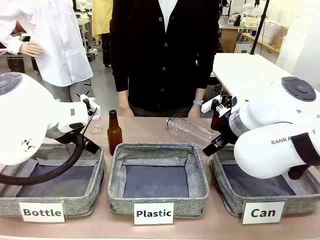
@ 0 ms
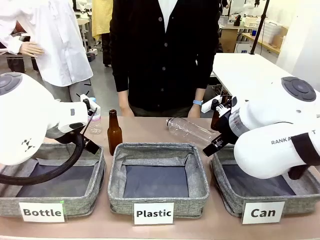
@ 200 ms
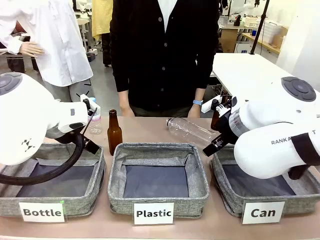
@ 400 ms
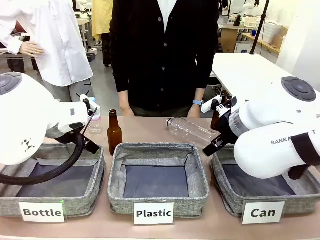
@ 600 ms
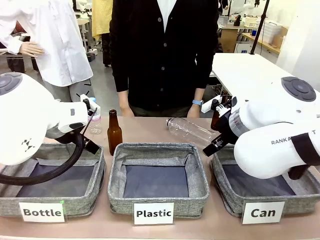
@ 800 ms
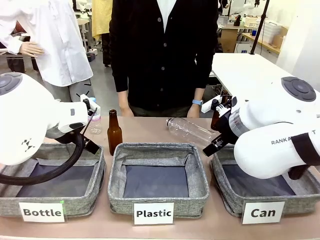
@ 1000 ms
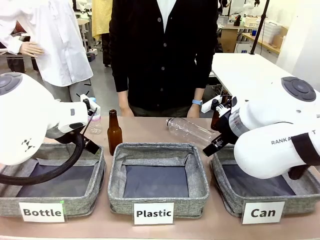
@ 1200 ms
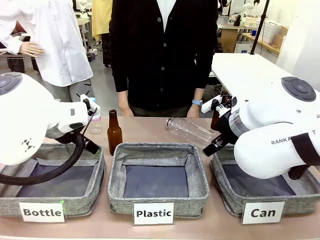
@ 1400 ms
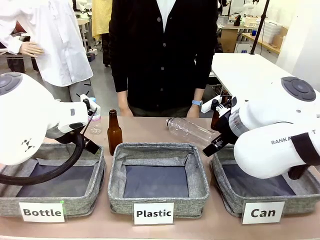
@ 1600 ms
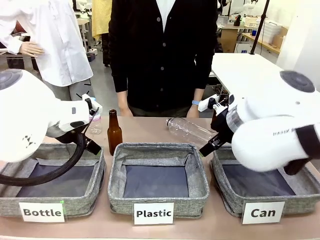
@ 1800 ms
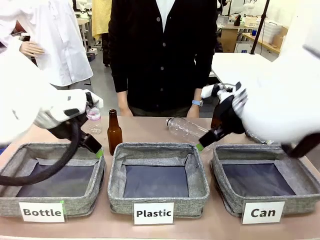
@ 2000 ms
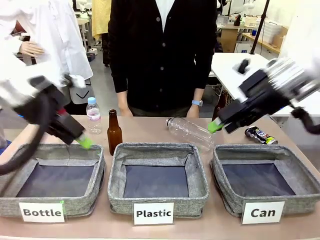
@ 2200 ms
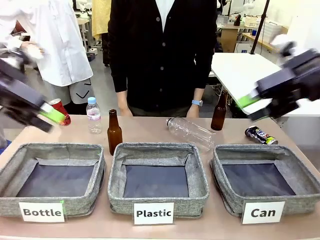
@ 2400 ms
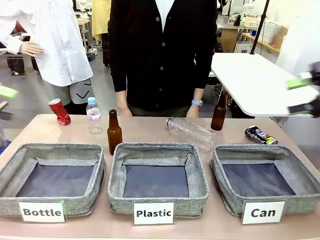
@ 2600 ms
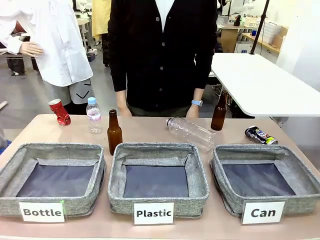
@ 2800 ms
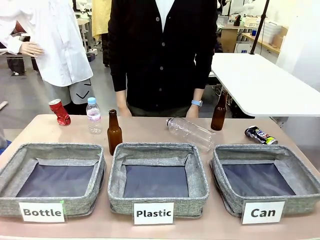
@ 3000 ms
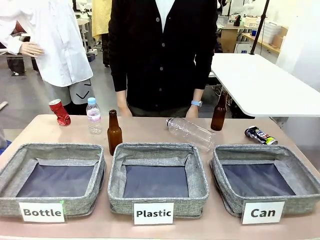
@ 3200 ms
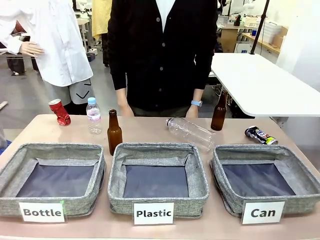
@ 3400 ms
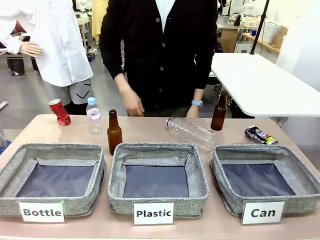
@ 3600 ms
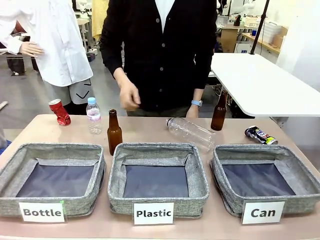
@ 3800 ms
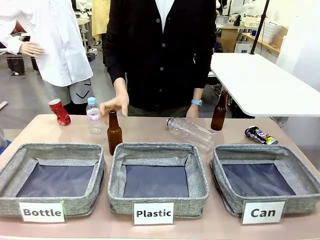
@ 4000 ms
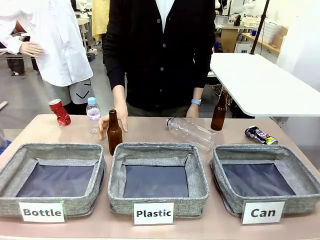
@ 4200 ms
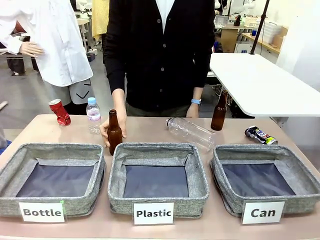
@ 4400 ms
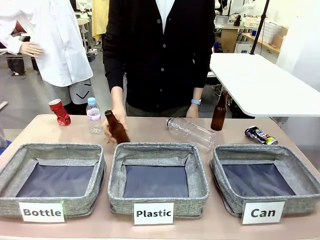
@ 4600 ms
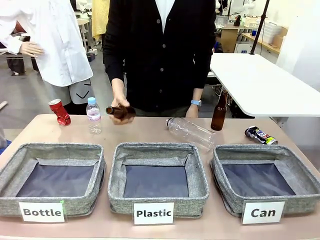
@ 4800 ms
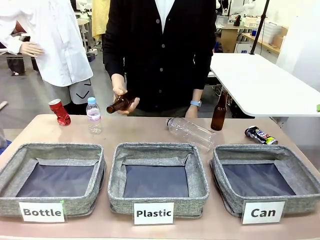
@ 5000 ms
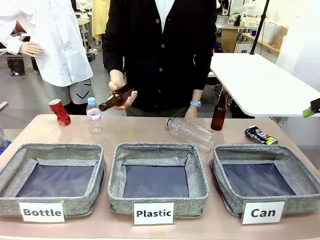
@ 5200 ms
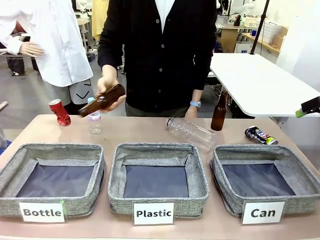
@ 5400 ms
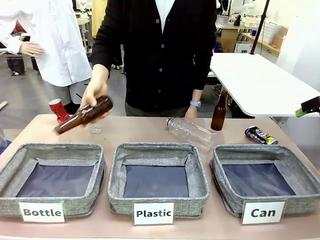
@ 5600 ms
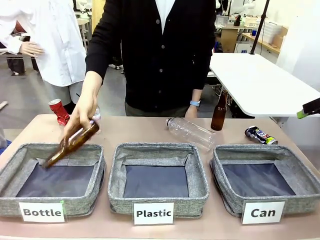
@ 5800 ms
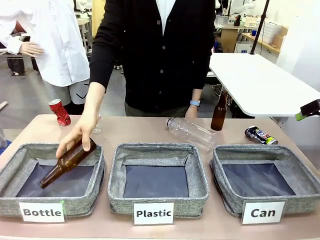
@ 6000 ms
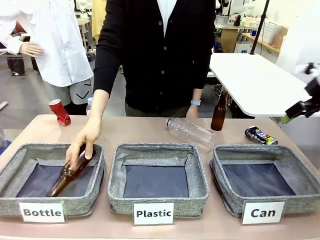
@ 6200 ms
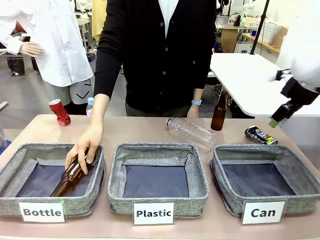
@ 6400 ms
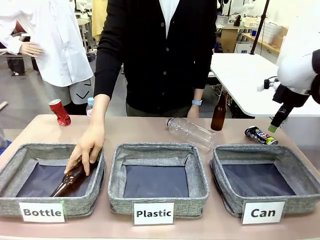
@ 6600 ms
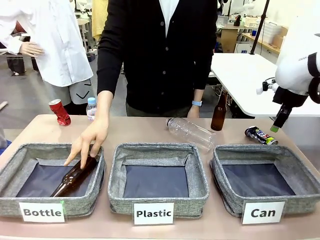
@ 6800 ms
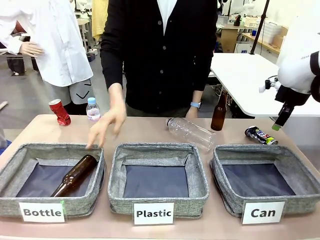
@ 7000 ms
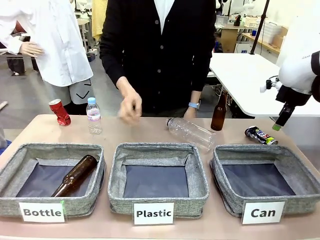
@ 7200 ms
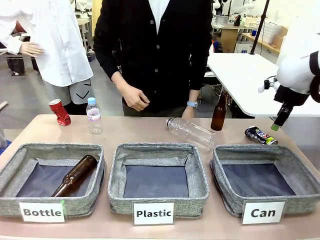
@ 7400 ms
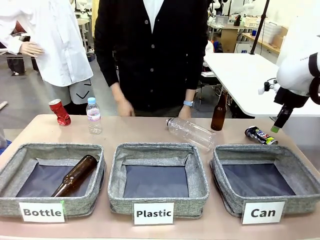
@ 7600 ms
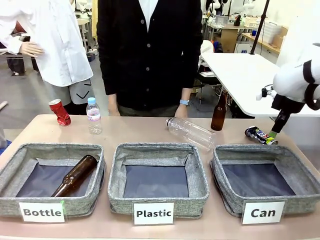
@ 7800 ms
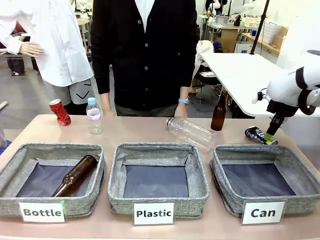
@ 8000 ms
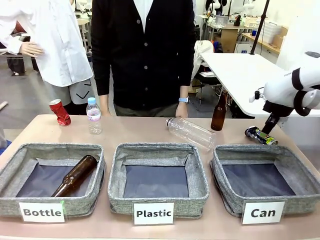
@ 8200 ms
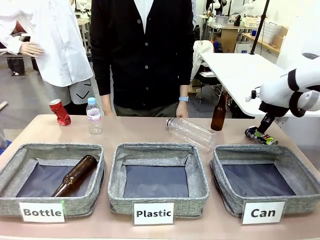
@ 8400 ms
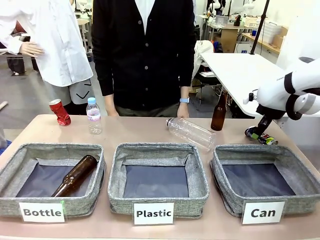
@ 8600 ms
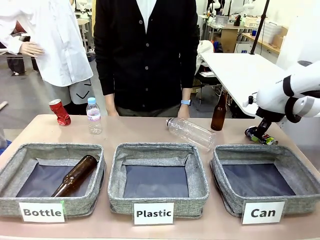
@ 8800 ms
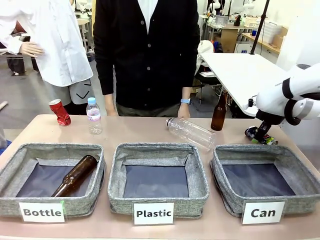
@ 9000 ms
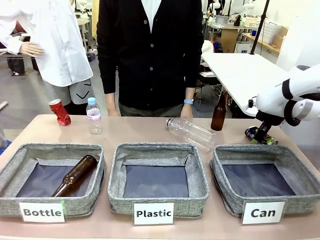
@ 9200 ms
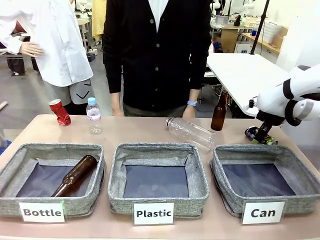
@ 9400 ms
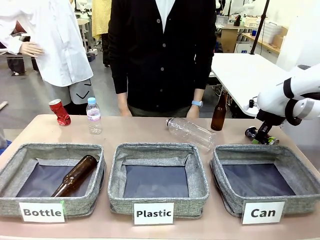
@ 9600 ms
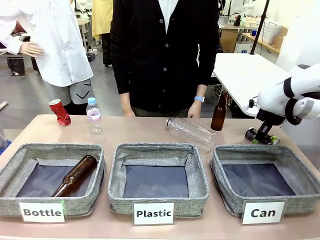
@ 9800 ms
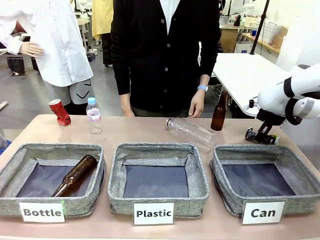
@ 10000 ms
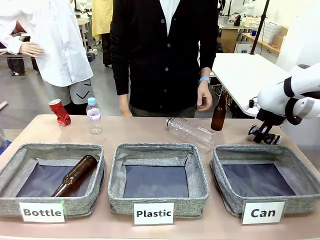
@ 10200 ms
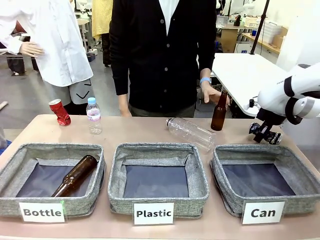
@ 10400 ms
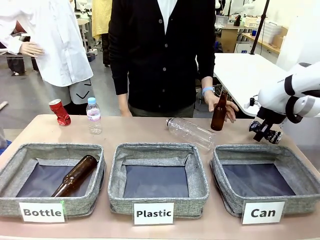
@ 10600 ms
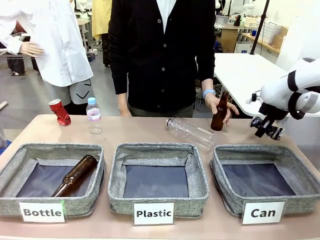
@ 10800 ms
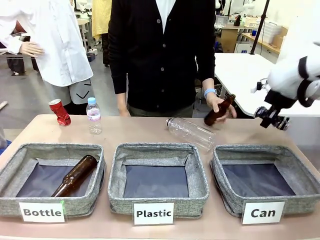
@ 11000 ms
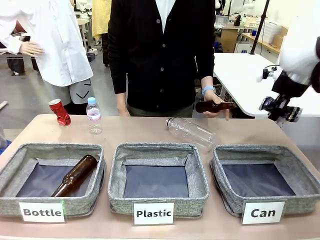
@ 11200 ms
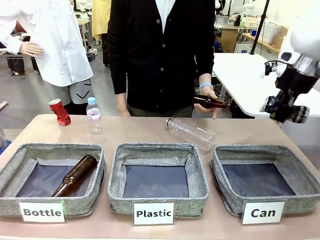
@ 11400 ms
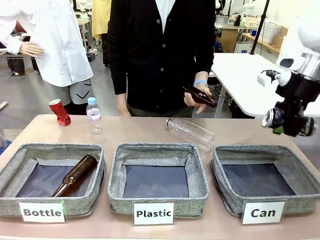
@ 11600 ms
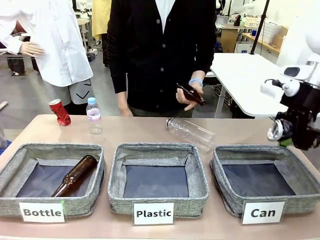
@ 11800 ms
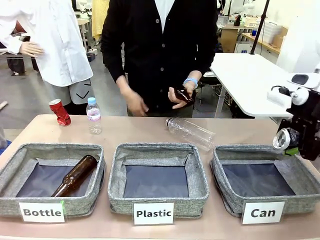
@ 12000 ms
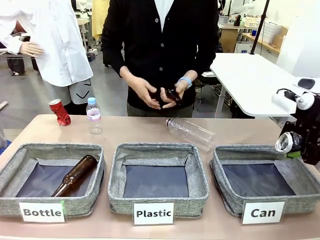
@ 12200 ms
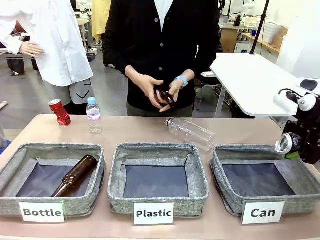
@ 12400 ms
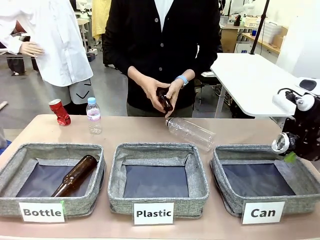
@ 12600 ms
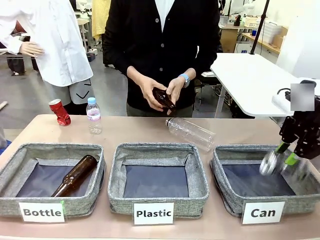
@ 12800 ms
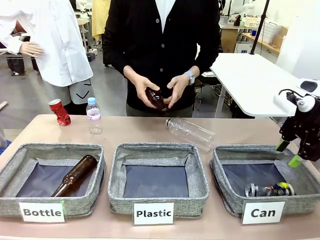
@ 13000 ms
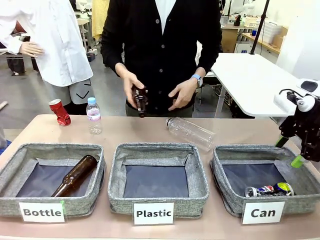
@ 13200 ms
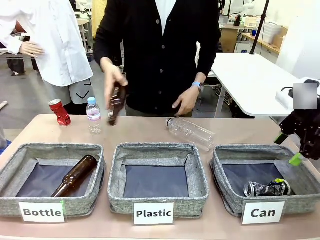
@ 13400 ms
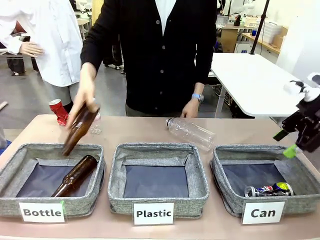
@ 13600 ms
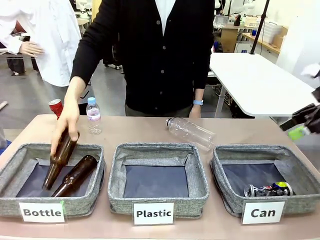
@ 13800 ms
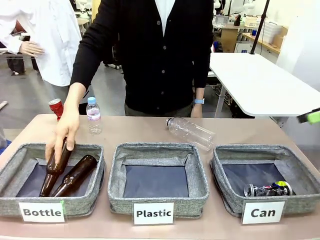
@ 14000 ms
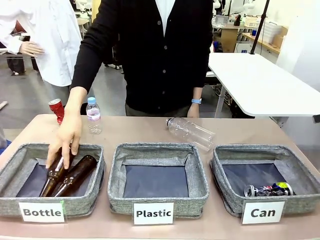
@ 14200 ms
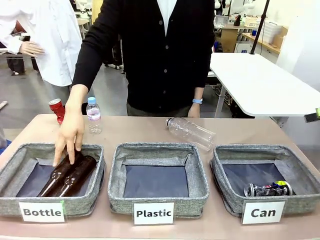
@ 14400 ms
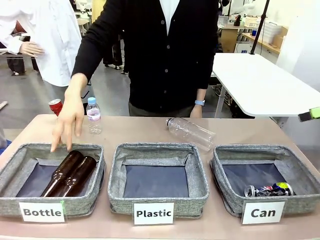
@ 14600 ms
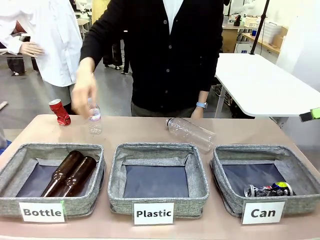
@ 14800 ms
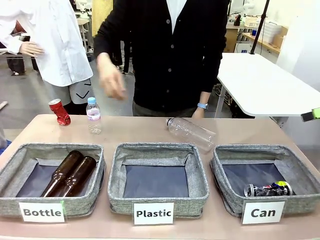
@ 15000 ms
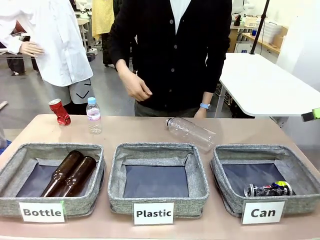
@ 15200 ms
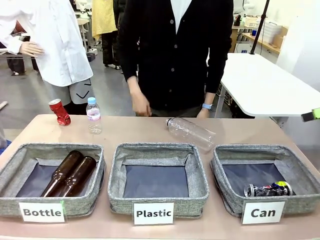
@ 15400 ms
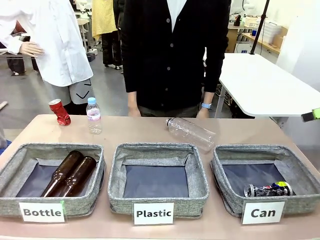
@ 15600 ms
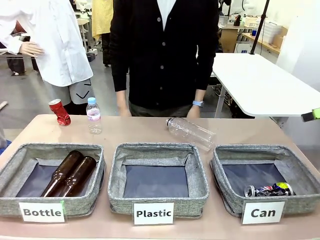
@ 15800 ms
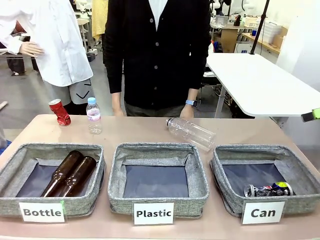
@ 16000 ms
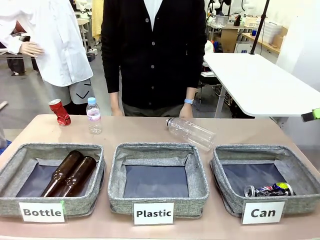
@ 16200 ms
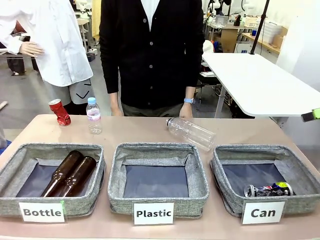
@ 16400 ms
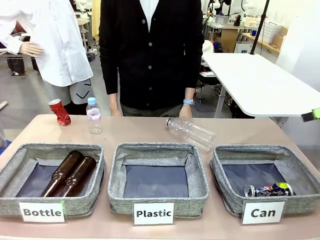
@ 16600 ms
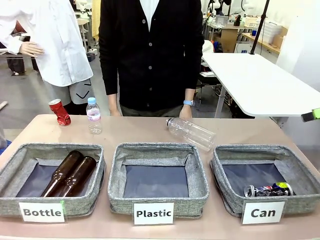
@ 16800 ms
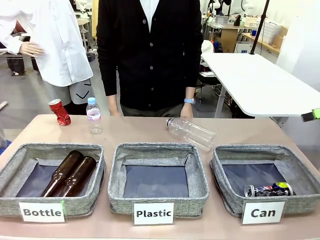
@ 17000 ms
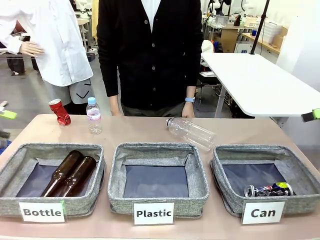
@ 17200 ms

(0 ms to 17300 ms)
Task: Sort the can waste into the basket.
Robot: Pick up the can waste from the table and place it in the right Fabric basket.
